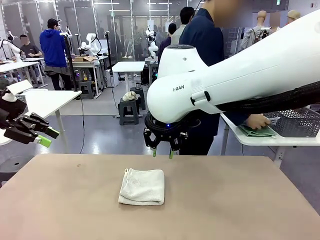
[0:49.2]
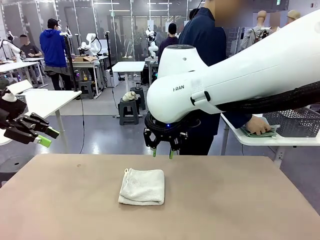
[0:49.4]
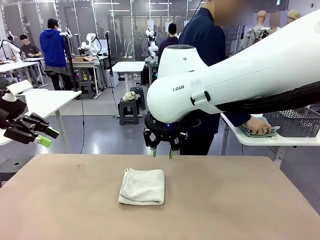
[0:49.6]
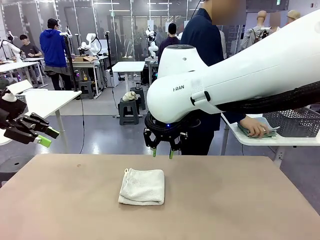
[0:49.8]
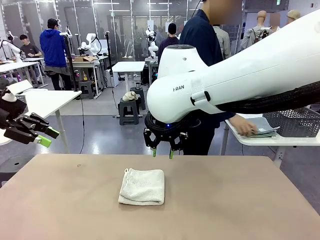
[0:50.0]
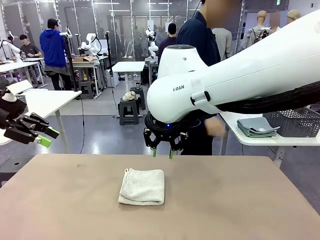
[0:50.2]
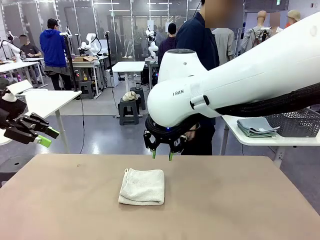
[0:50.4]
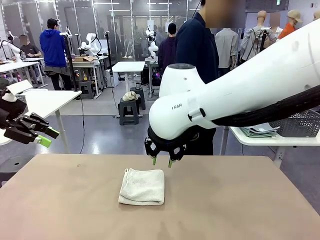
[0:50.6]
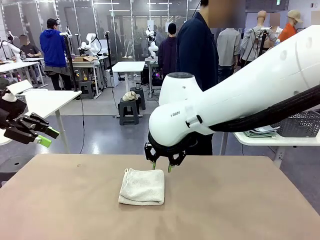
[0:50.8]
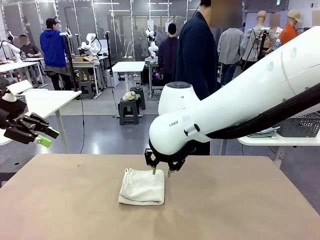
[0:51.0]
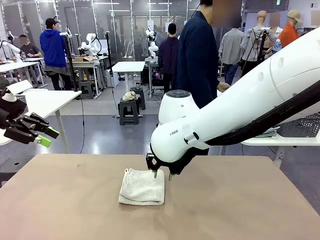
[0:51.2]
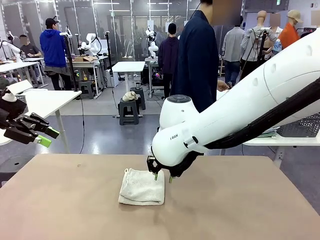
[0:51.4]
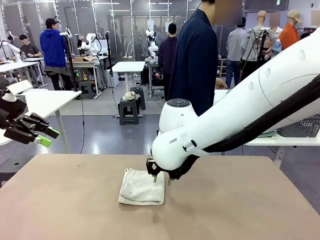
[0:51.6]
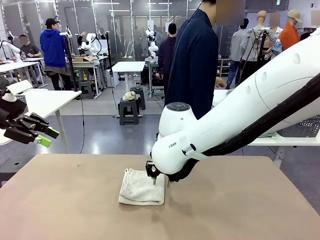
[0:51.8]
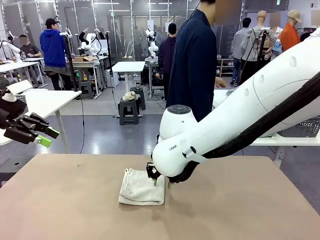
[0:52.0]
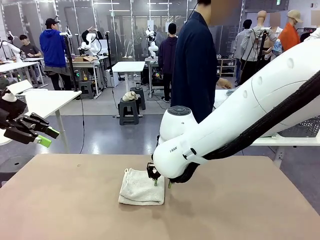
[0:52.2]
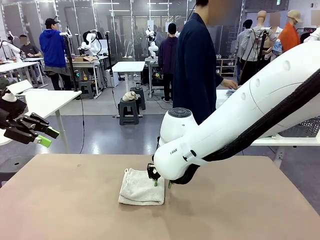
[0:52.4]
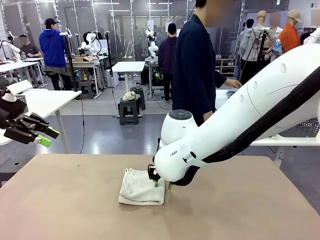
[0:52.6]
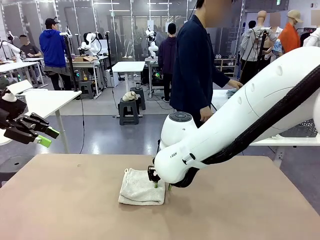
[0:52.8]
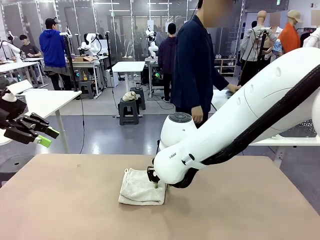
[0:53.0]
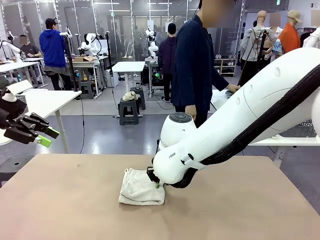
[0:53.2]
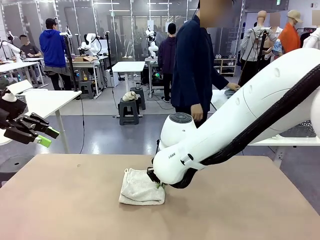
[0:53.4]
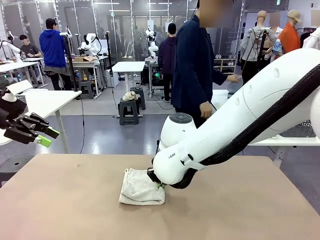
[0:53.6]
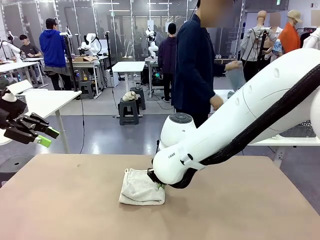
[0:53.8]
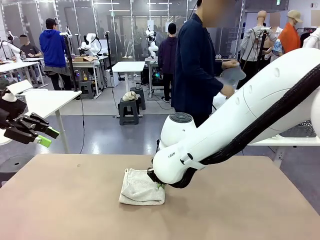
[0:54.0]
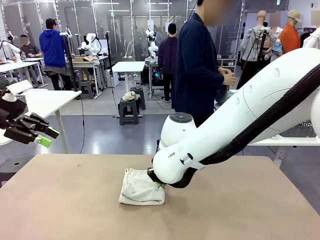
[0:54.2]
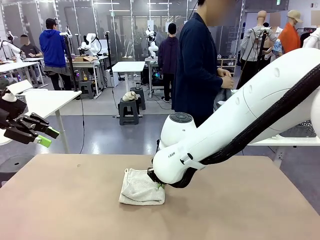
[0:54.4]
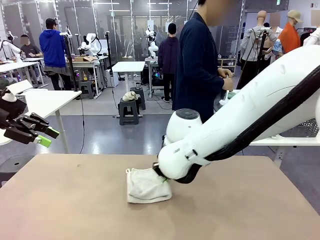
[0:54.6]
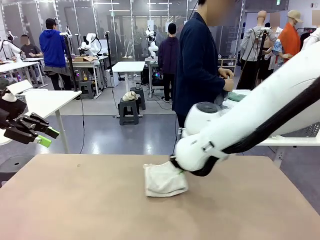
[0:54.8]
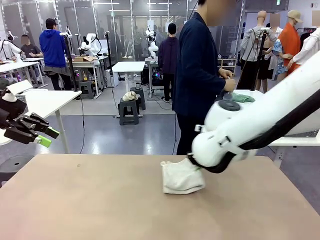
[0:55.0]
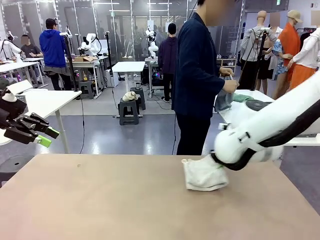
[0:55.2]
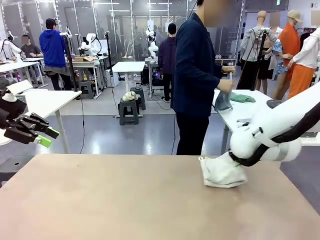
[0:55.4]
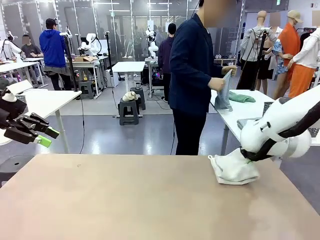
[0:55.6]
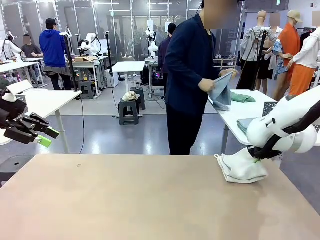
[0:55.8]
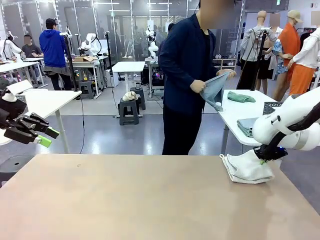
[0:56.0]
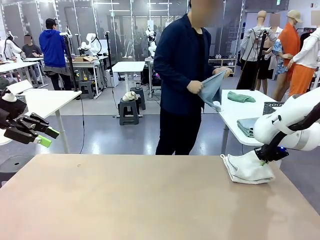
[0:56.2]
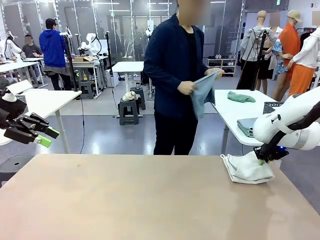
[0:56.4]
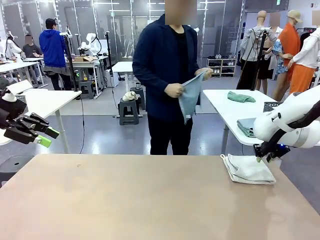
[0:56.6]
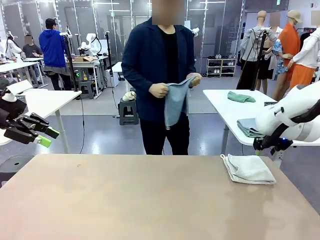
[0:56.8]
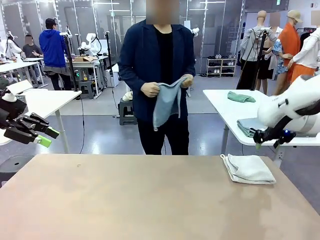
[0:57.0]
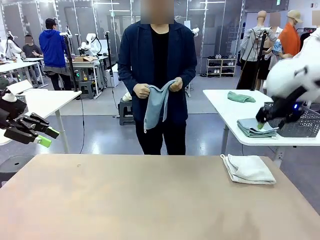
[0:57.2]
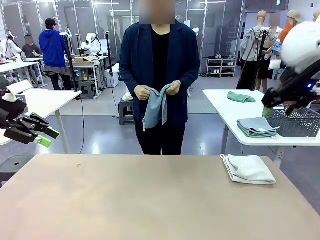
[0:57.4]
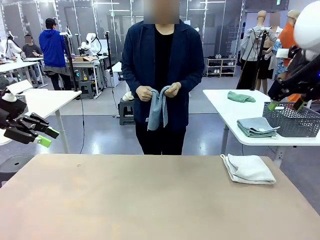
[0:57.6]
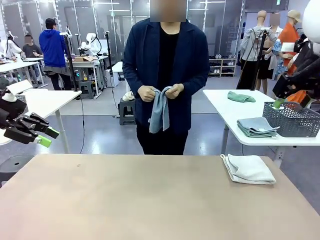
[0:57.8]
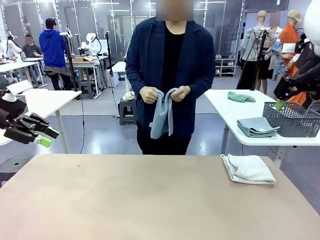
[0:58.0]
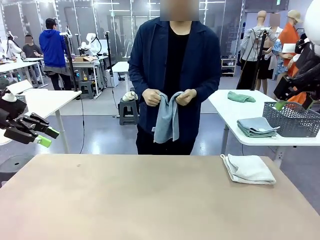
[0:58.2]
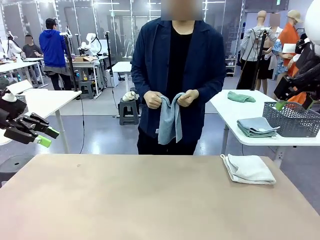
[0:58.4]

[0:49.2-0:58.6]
Task: Fold the towels and place them in the basket.
Robot: Place the folded Towel with hook on the right side of the table.
Person: Pick up one towel from the left side of the human table and spread it out at the center of the robot table.

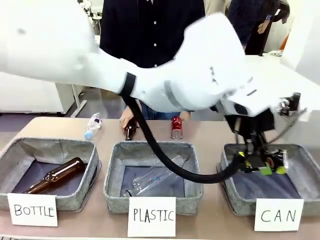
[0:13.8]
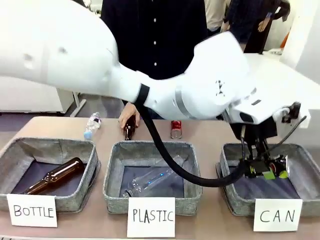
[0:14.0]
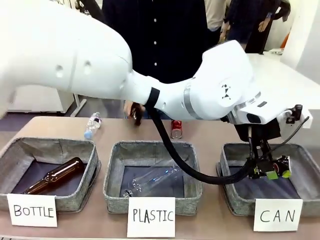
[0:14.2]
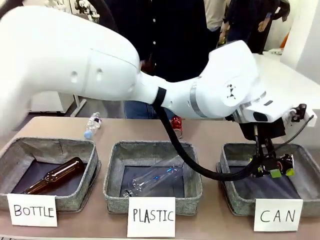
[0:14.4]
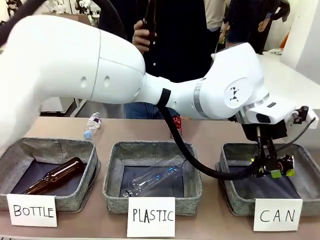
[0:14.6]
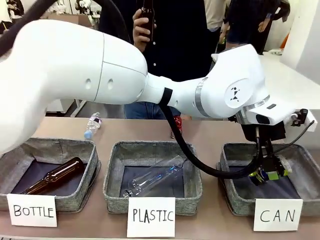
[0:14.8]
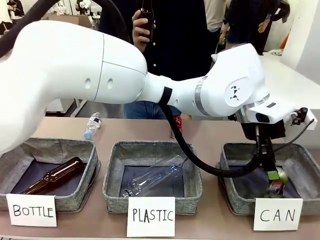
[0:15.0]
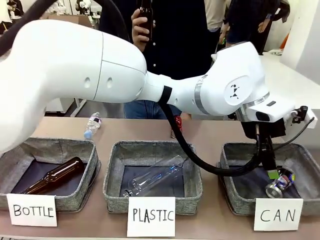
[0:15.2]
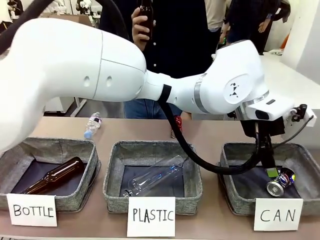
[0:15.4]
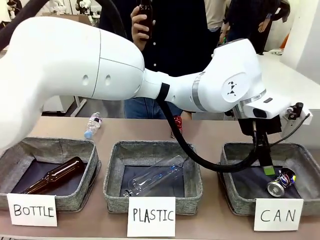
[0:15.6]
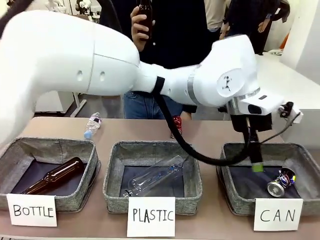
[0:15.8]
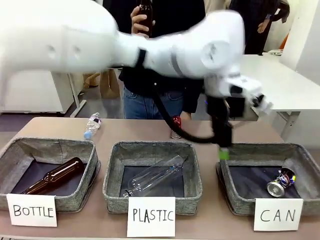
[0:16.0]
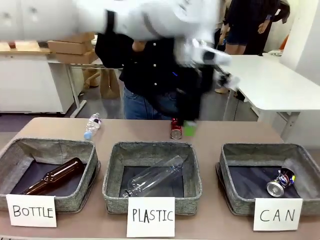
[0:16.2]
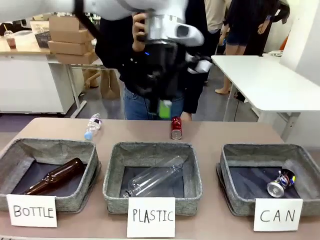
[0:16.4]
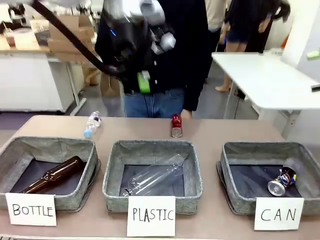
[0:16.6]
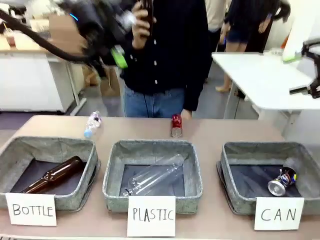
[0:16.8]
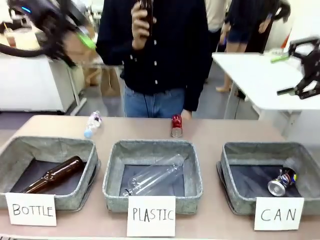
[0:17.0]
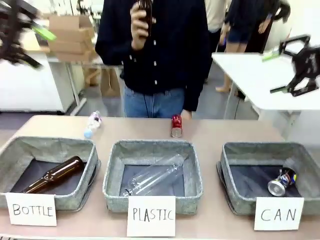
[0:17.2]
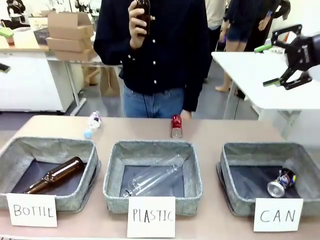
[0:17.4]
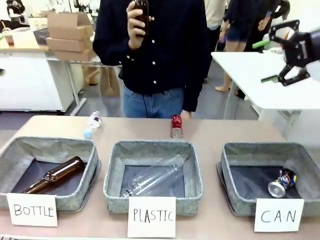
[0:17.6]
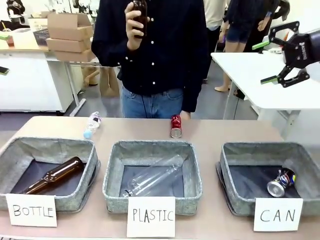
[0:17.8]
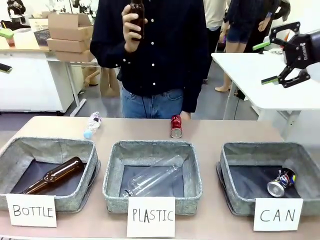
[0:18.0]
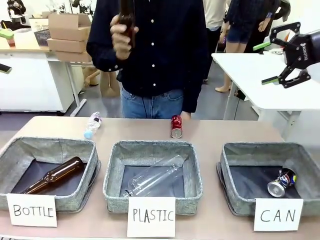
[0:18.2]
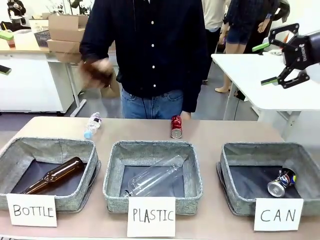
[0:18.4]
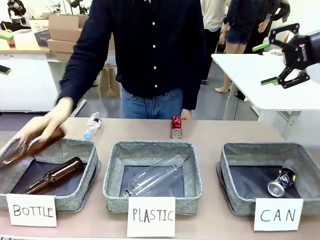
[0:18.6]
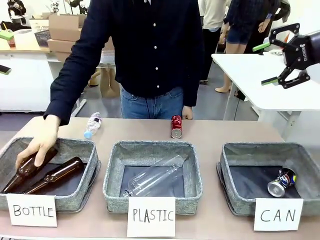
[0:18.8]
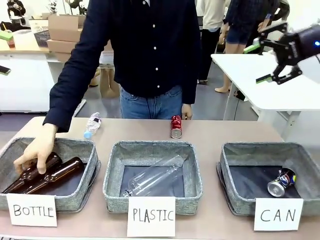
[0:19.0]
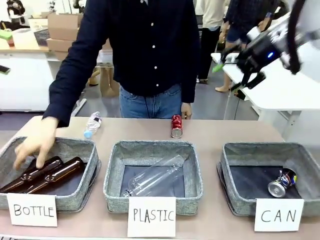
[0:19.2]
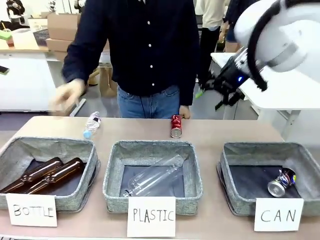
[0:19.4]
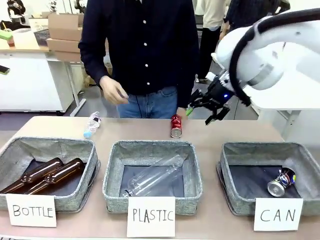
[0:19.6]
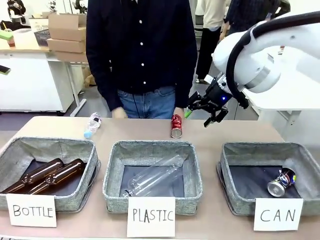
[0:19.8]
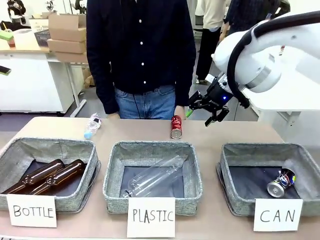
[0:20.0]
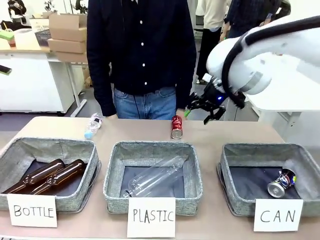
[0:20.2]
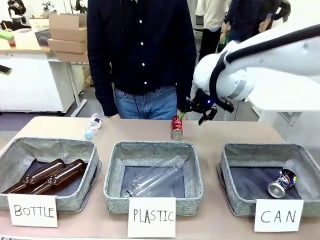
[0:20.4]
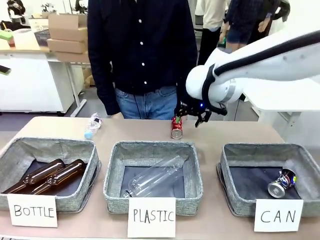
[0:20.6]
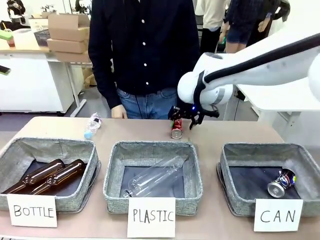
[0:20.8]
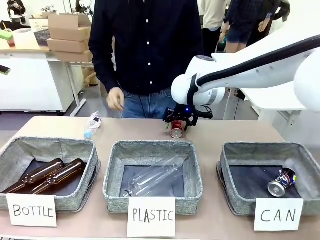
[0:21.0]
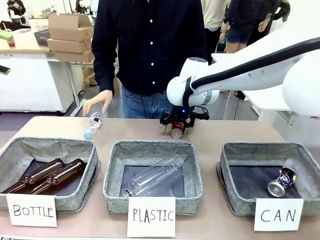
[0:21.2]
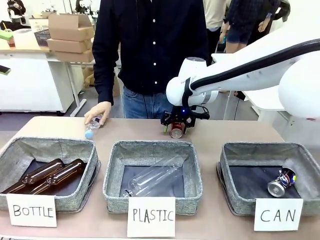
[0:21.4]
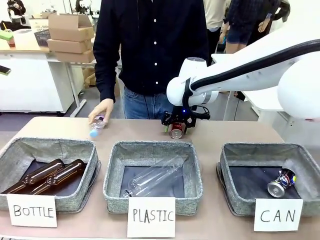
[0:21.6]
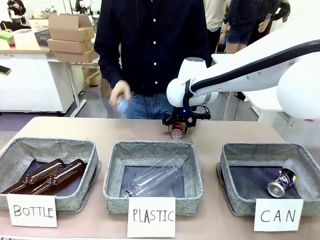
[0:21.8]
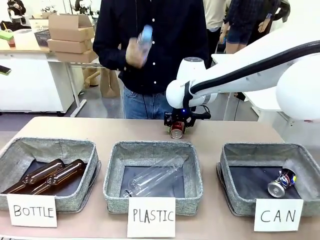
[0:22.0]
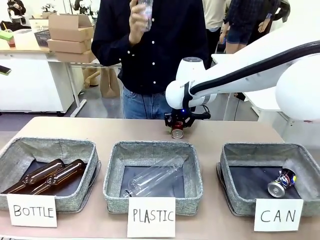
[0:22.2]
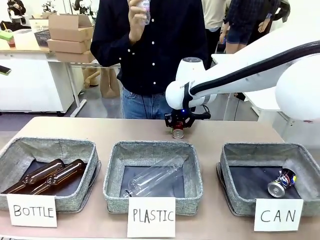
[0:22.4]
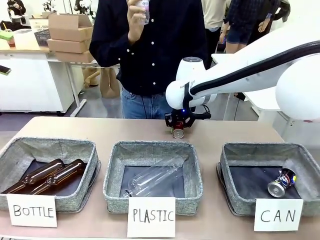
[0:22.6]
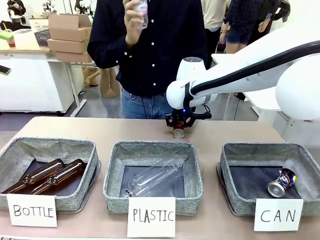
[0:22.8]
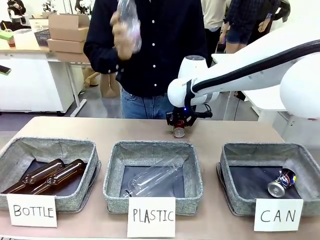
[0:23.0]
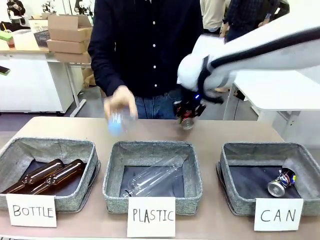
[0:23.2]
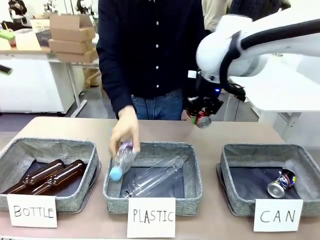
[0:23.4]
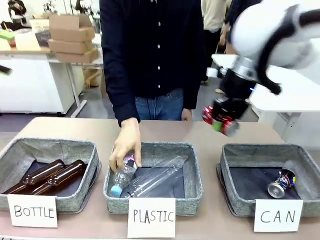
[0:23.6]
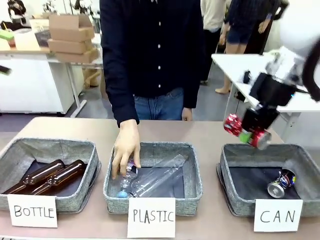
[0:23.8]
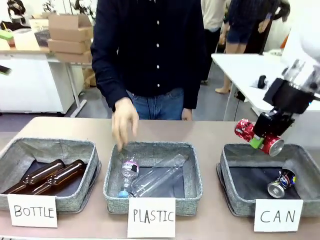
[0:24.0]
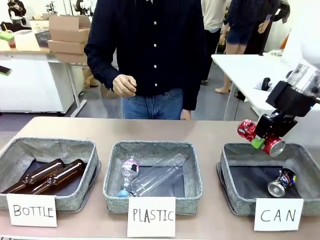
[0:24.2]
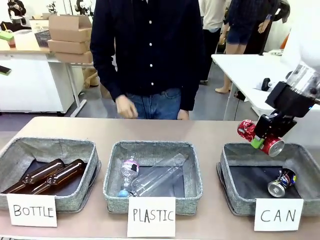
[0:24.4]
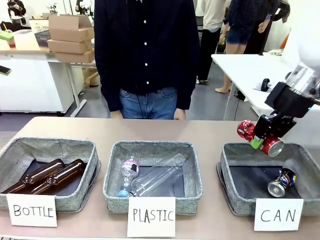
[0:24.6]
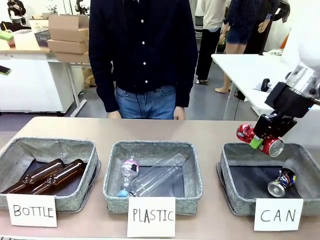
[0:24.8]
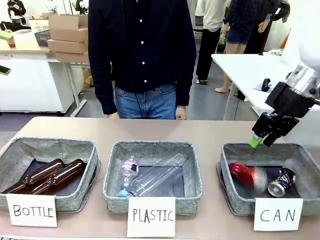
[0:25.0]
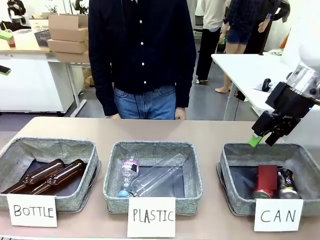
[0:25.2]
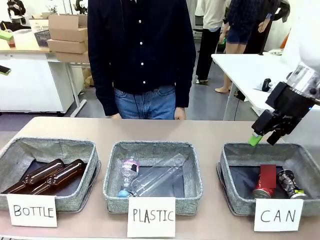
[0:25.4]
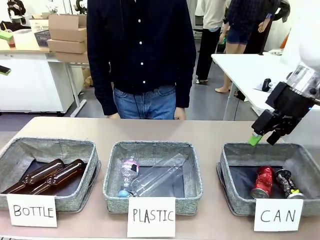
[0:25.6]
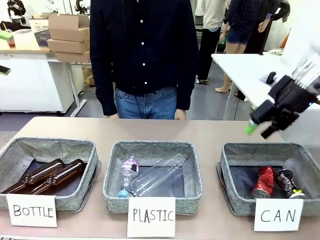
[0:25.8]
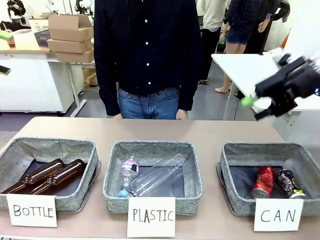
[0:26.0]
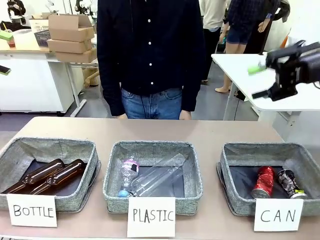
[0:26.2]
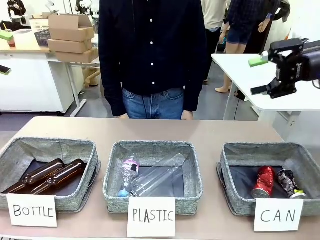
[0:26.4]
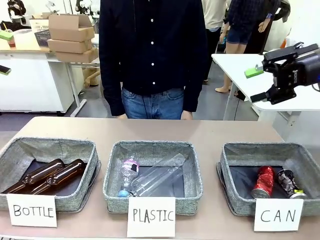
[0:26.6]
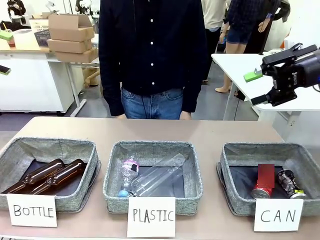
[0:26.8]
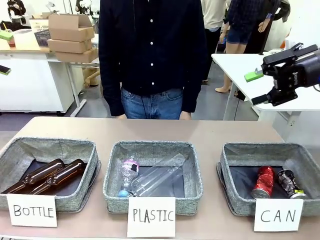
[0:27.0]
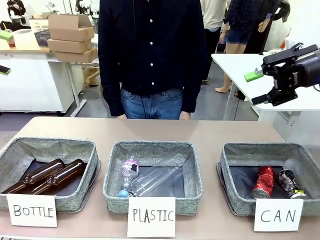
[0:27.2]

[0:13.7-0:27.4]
Task: Sort the can waste into the basket.
Robot: Pick up the can waste from the table and place it in the right Fabric basket.
